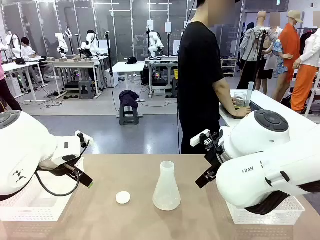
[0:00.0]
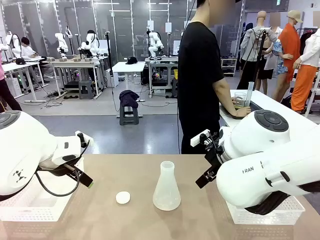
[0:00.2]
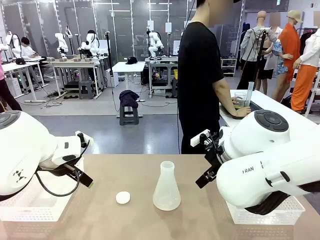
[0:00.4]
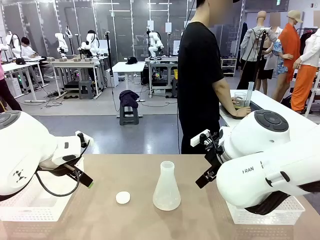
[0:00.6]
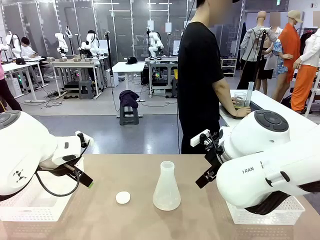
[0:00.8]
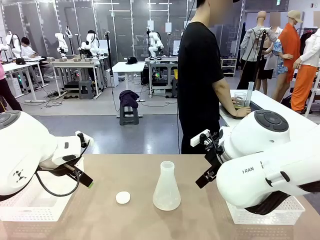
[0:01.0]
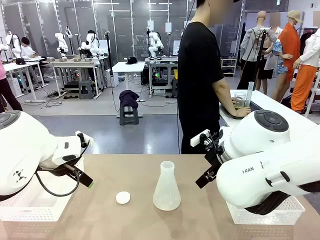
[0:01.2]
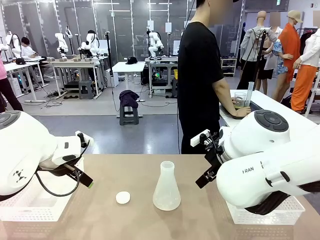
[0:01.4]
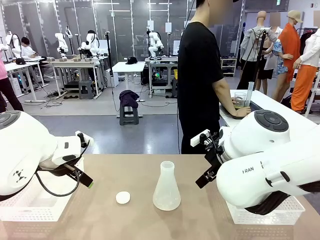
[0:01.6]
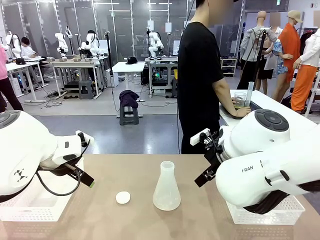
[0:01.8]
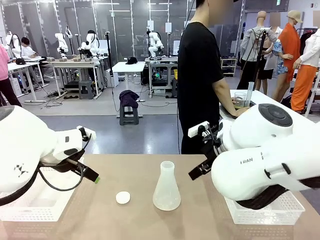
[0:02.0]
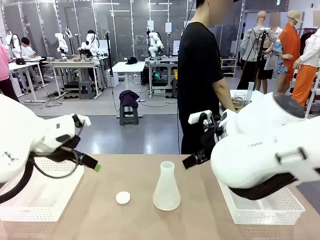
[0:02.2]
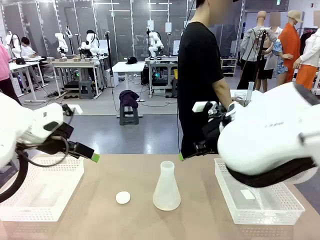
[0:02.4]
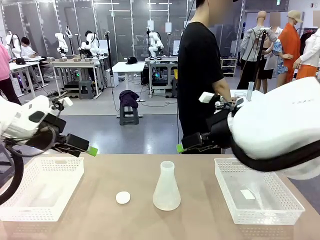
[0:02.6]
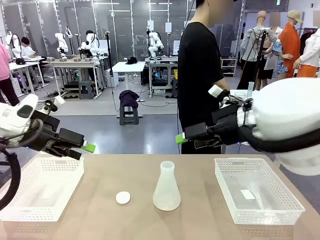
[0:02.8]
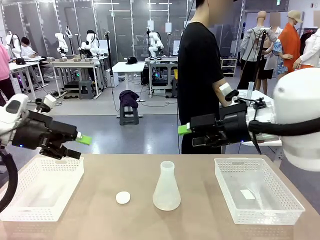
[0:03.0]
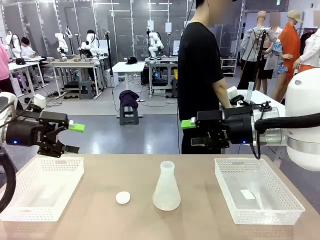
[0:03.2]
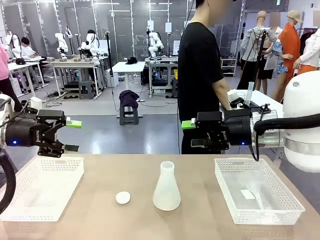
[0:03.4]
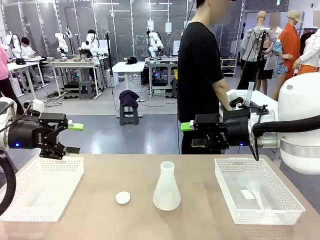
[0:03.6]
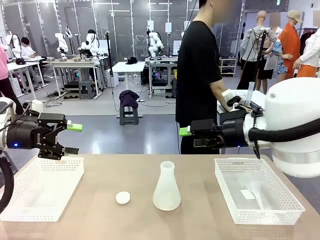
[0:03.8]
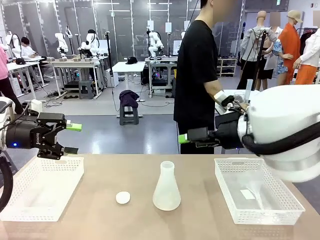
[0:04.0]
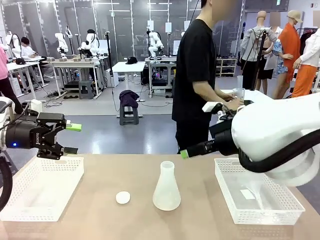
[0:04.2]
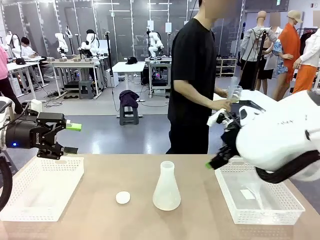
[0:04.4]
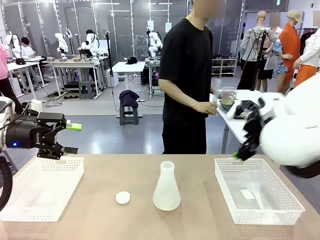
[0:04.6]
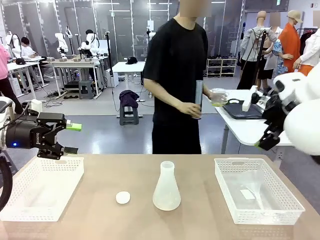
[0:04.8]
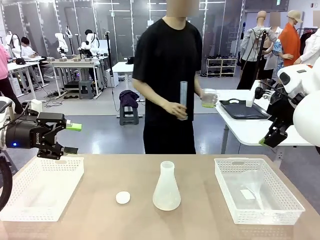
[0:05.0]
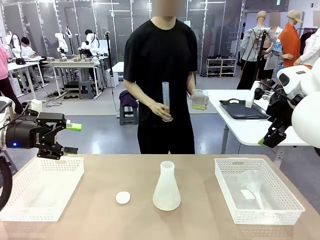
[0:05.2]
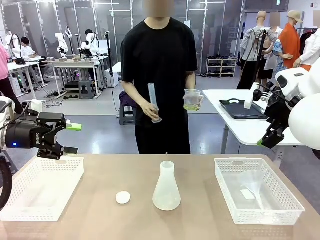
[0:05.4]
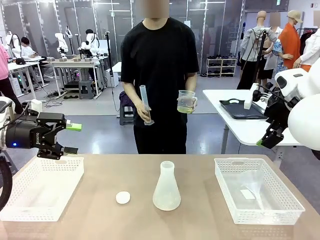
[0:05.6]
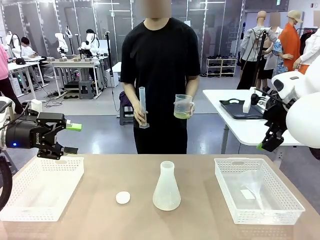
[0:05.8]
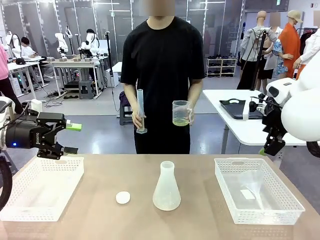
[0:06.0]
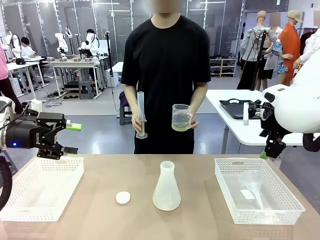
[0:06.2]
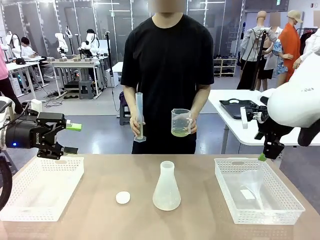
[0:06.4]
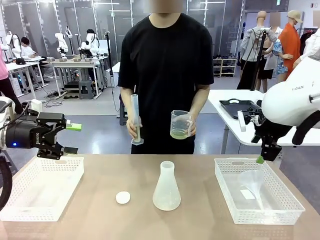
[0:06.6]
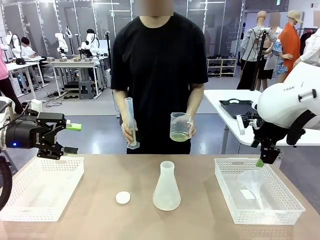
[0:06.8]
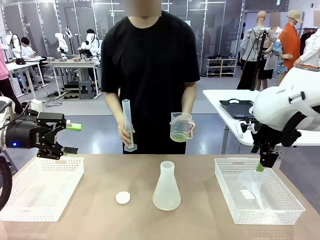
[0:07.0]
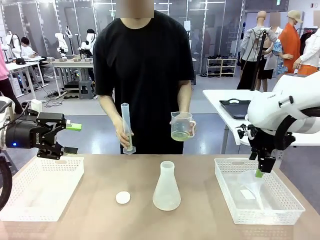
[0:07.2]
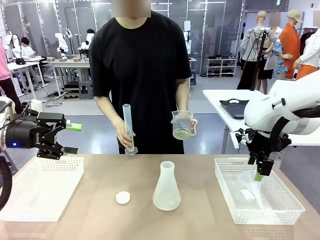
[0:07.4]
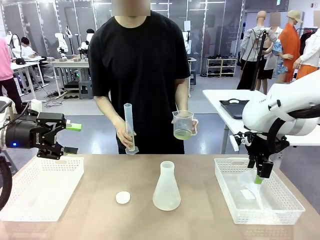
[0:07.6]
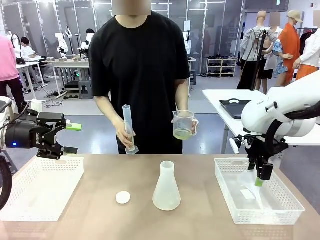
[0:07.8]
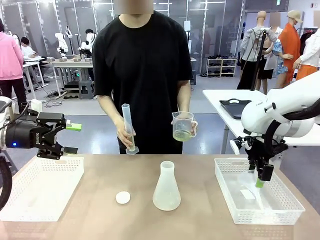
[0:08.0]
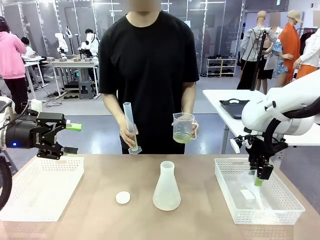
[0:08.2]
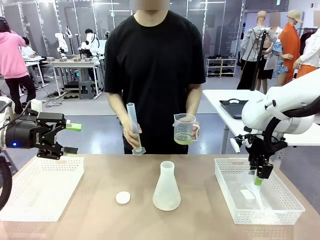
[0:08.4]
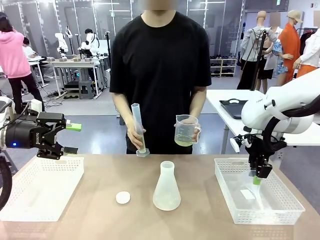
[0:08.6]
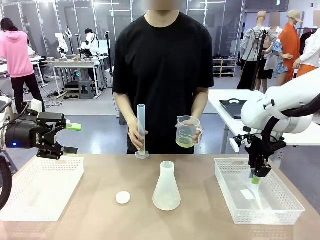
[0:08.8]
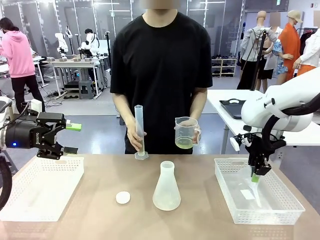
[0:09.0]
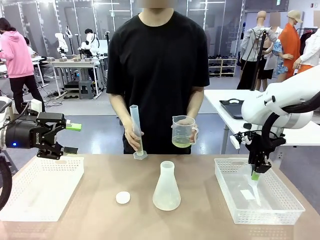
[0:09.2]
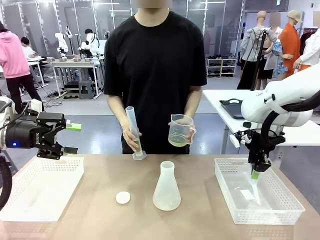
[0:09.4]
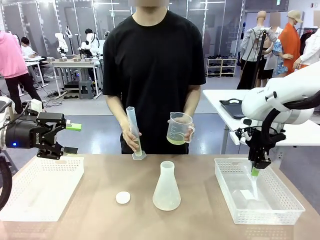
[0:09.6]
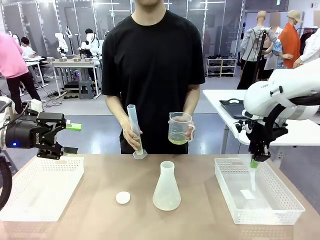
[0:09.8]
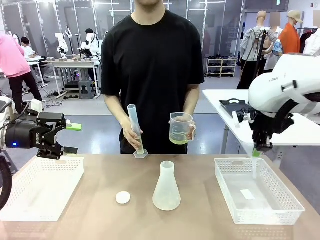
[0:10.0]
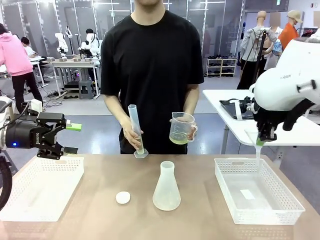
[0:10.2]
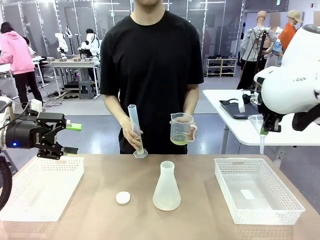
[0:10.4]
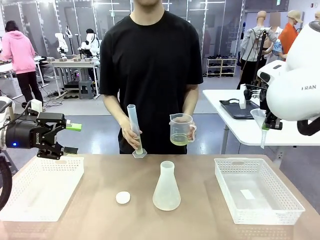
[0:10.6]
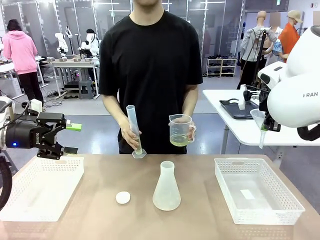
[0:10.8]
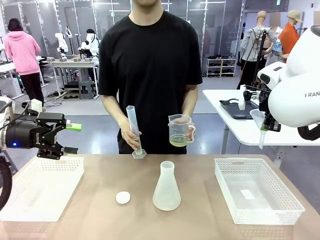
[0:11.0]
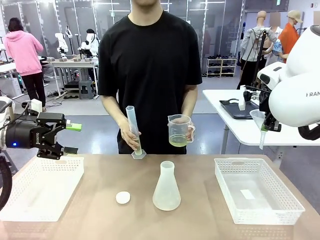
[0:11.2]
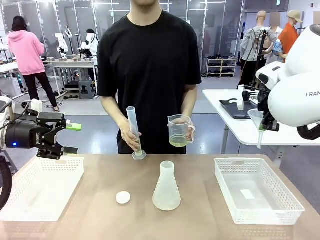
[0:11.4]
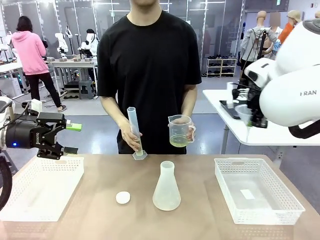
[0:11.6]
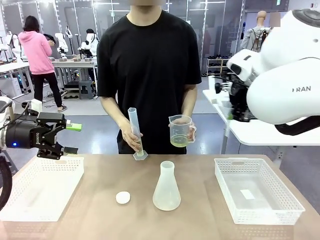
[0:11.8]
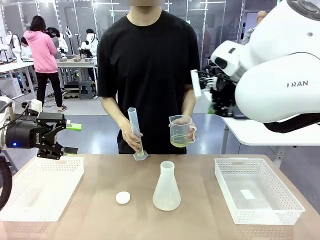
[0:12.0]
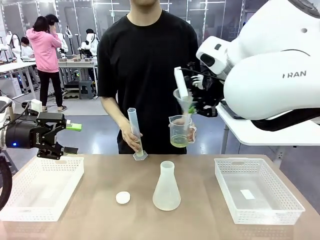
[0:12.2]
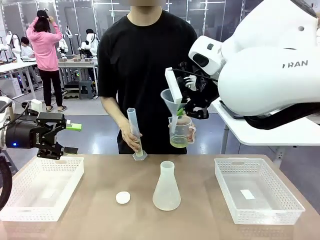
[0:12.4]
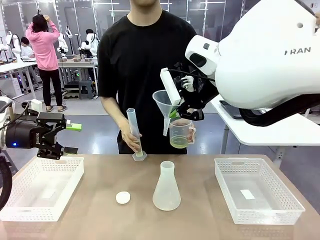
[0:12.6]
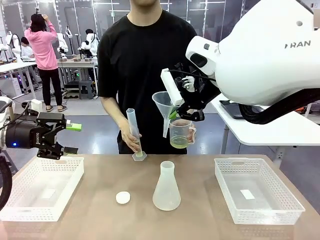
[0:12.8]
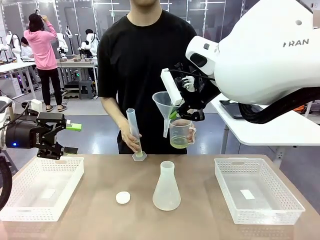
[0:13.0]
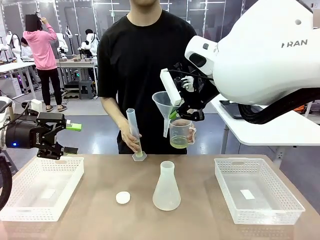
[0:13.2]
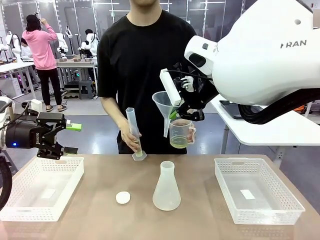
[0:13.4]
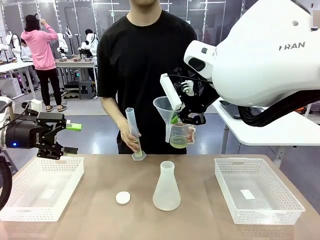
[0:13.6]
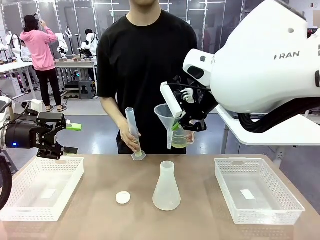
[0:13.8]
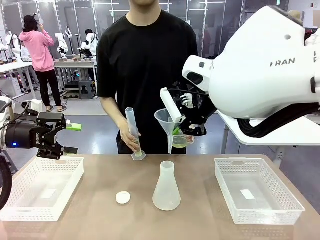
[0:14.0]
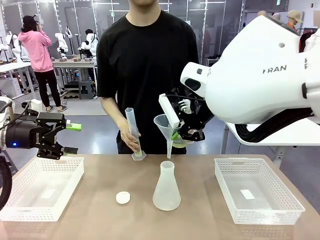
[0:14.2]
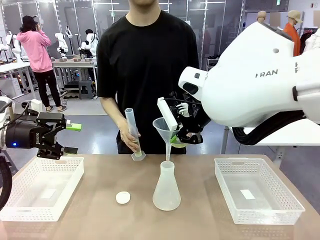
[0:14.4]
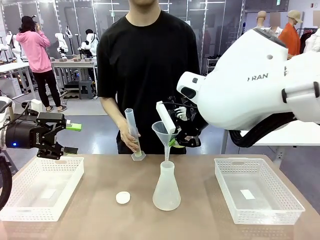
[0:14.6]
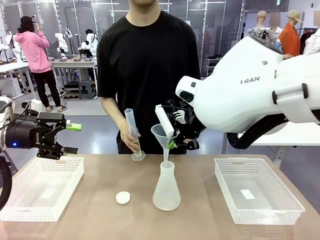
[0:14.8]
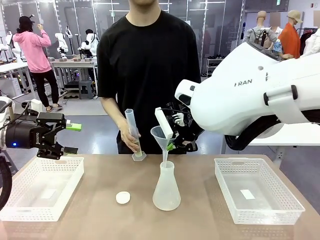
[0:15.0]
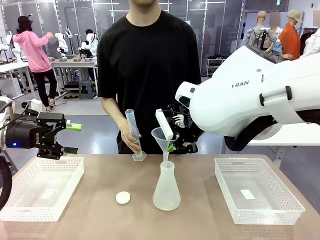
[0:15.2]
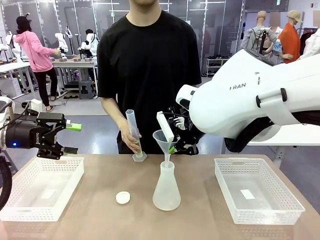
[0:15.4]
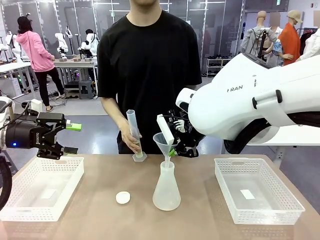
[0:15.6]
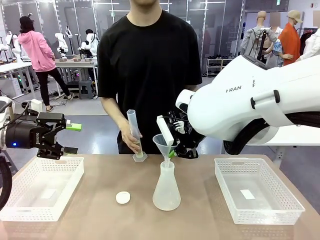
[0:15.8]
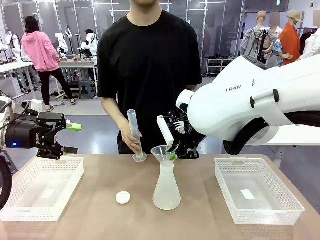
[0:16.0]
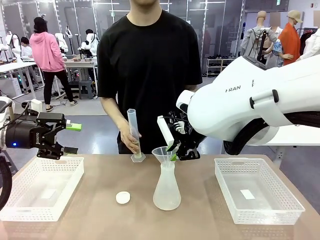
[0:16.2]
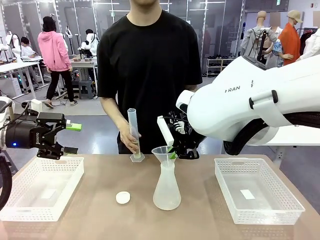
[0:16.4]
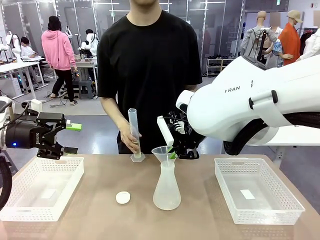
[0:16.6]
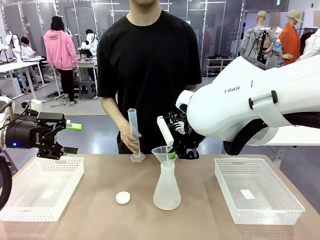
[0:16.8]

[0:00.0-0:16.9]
Task: Prepare the solutions needed for the experiment.
Robot: Pick up the Plastic Funnel and insert it into the Big flask.
Person: Pick up the beaker and the cylinder and move to the middle of the robot table. Pour the solution from the beaker and the cylinder into the flask.
